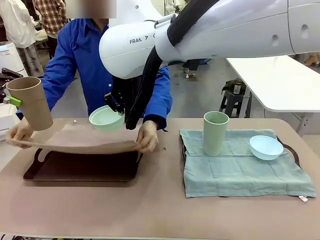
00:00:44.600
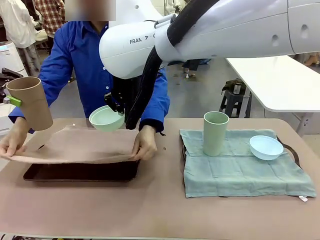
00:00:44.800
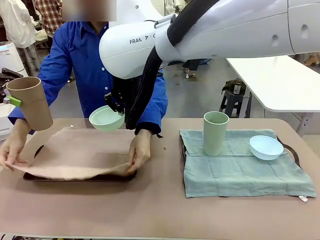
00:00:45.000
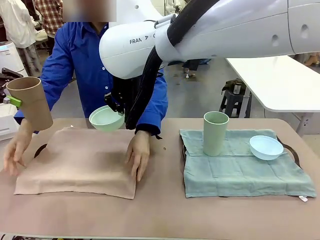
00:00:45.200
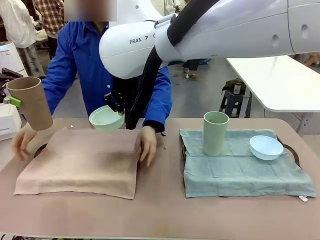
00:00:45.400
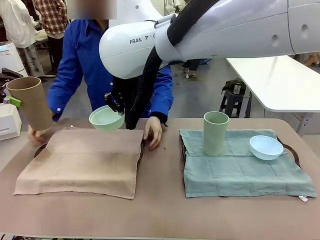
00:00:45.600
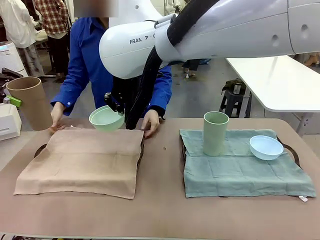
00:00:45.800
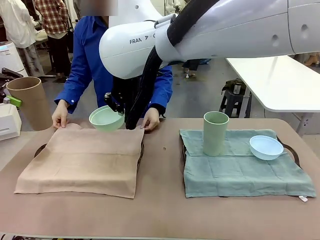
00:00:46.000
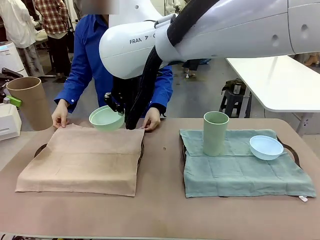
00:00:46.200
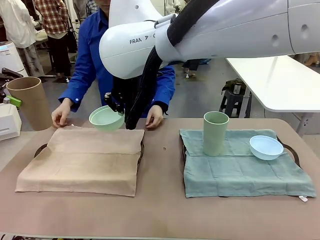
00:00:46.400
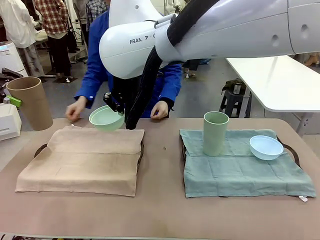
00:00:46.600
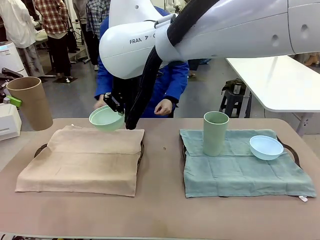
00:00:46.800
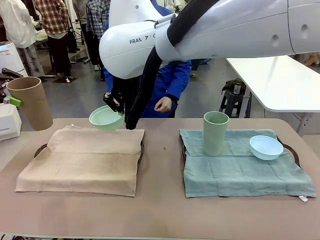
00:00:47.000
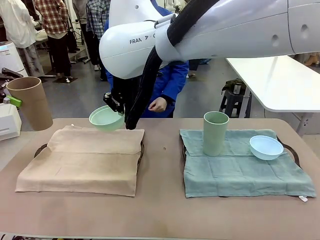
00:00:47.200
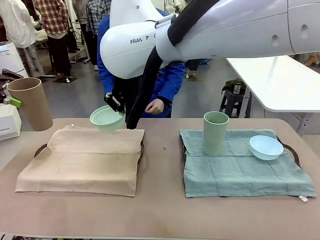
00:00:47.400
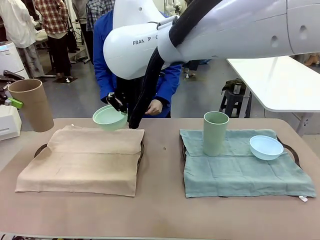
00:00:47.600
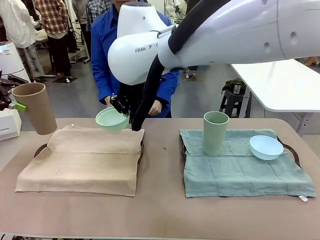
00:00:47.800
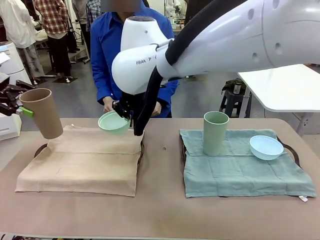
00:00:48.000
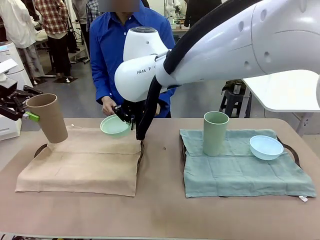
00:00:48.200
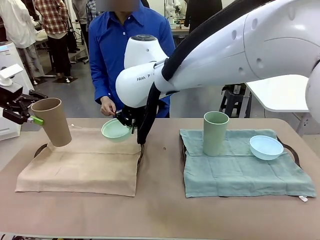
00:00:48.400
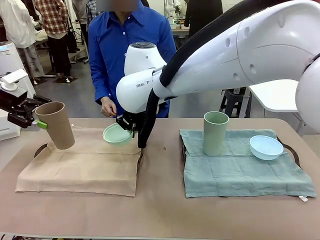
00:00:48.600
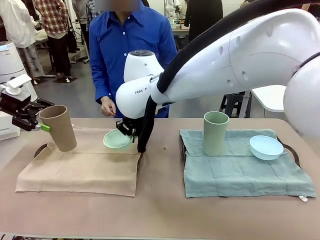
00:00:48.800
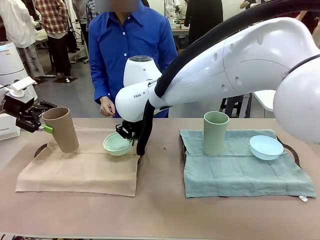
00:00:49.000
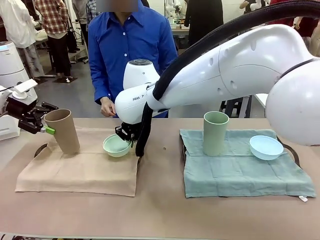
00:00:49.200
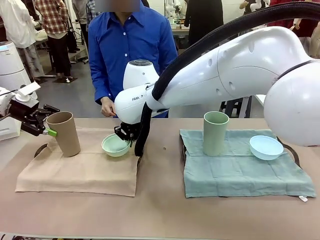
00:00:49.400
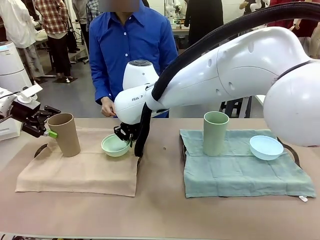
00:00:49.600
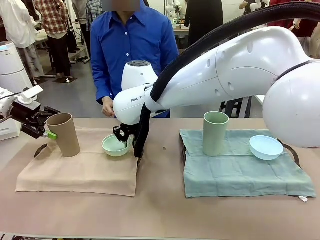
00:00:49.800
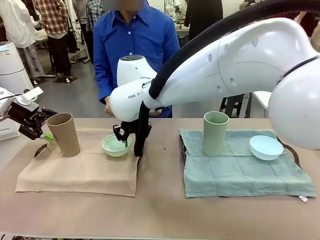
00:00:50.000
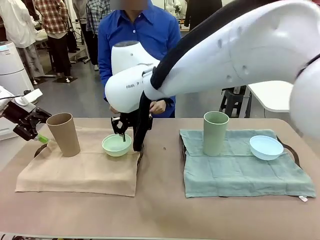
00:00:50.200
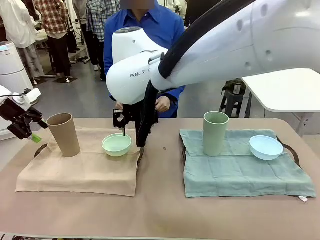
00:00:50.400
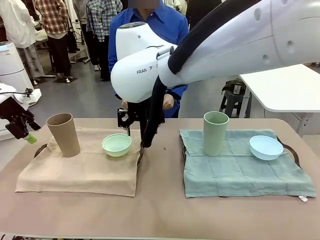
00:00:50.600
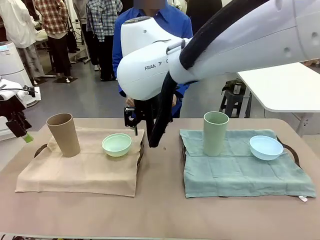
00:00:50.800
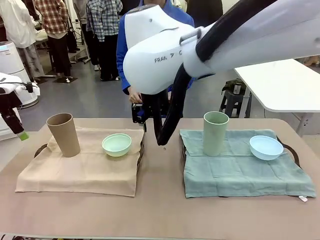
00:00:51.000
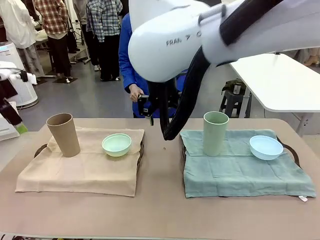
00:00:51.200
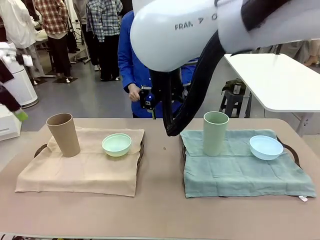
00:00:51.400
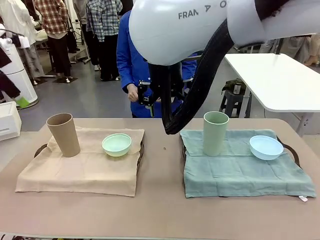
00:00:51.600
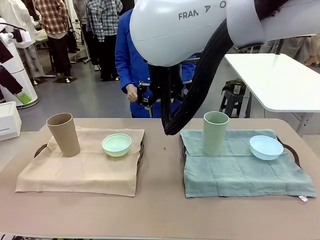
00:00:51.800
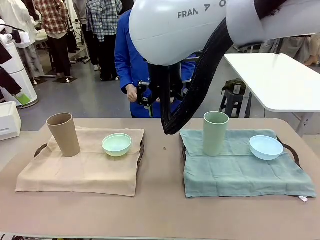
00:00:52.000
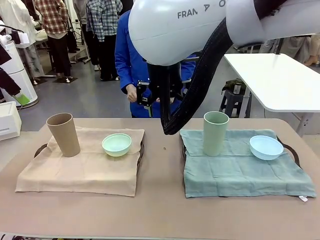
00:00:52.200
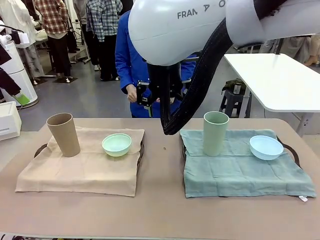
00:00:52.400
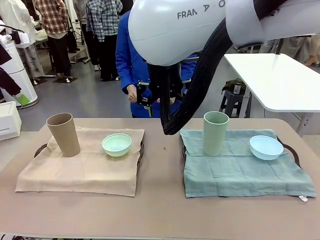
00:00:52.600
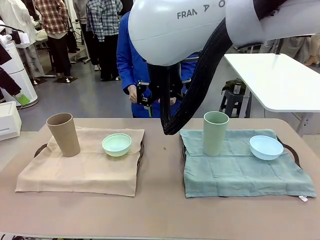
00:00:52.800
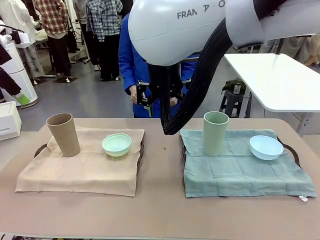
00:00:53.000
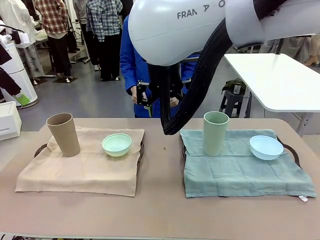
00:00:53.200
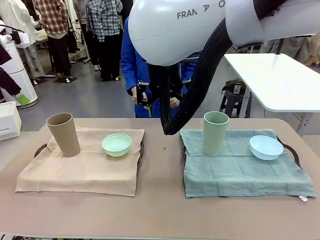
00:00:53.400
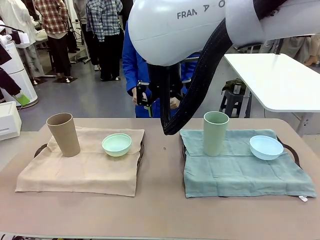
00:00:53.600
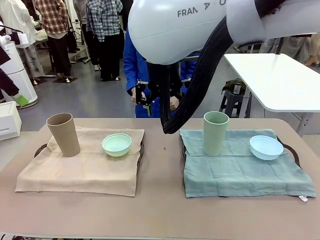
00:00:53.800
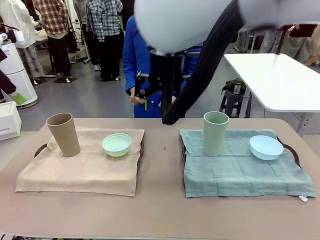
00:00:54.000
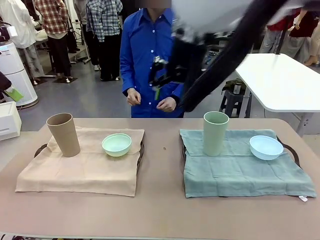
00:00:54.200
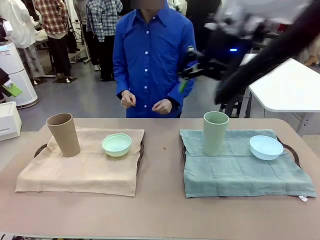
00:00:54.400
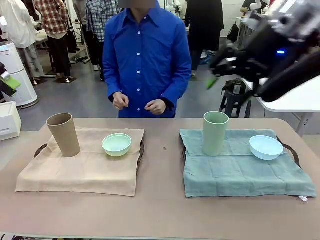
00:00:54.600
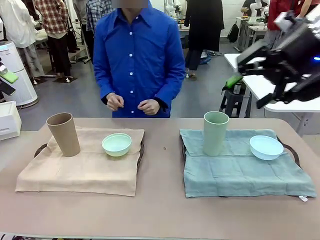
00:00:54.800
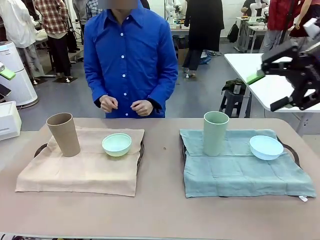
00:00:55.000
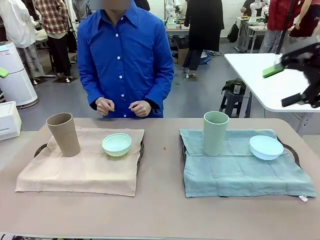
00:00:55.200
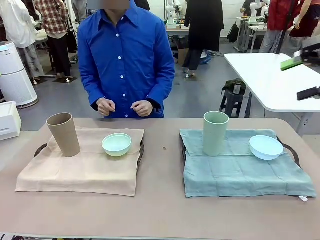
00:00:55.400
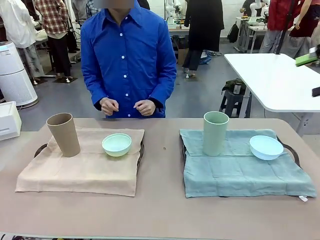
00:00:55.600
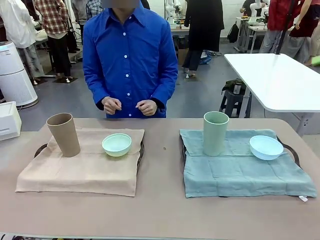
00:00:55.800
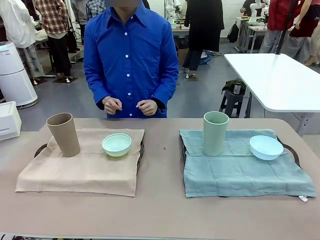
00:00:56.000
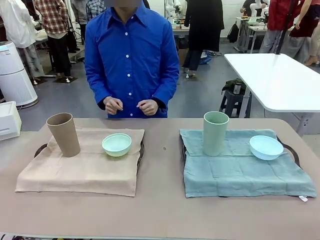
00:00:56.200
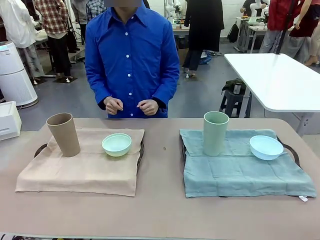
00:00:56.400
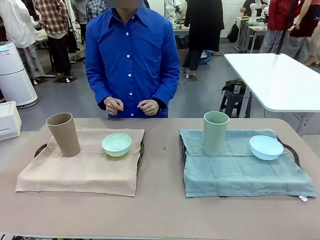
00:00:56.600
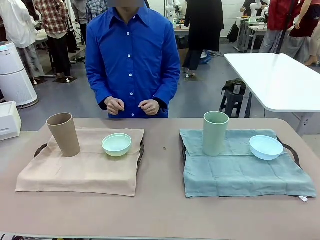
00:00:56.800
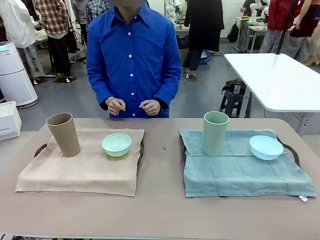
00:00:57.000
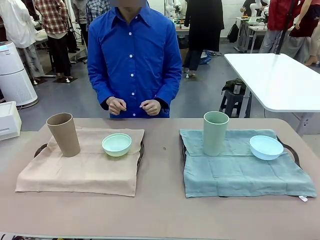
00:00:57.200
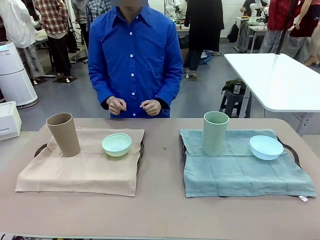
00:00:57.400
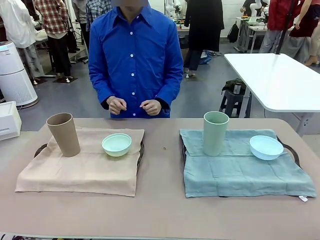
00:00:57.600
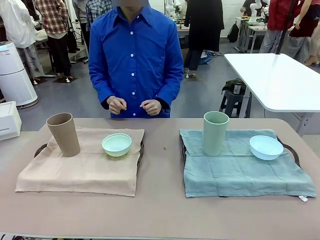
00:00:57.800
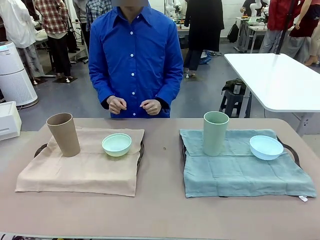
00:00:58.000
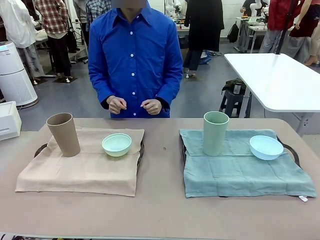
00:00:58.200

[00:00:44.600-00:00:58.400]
Robot: Place the Picnic Bowl and Reusable plastic cup back onto the Handle tray in front of the human's position.
Person: When the robot lifts the bowl and the cup, the human unfolds the napkin and lays the napkin flat on the tray.

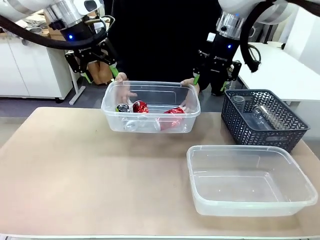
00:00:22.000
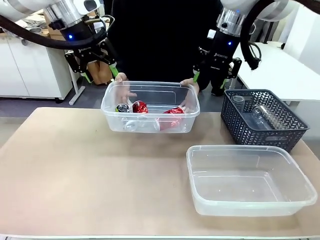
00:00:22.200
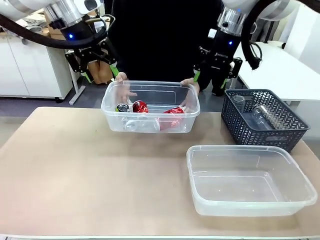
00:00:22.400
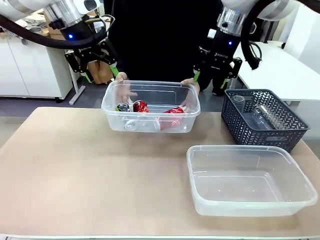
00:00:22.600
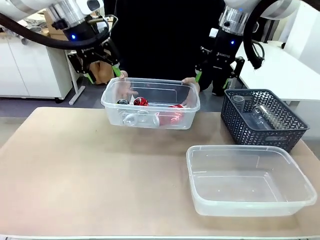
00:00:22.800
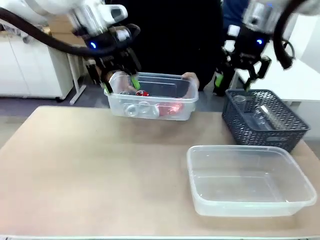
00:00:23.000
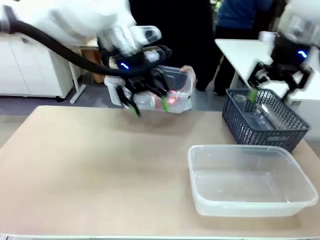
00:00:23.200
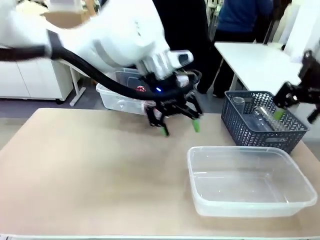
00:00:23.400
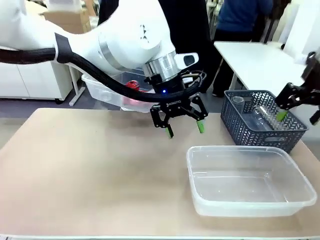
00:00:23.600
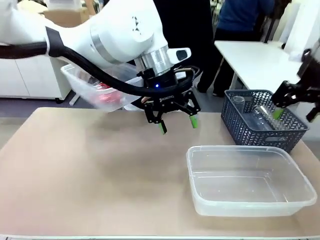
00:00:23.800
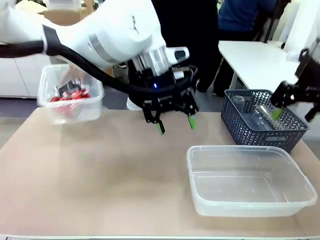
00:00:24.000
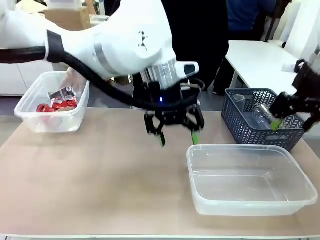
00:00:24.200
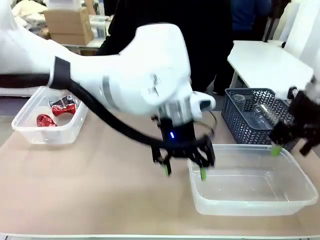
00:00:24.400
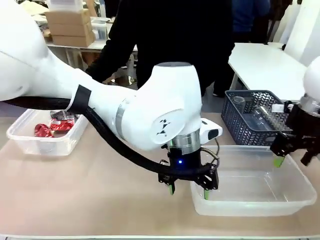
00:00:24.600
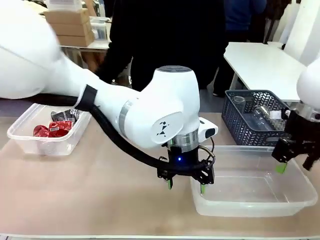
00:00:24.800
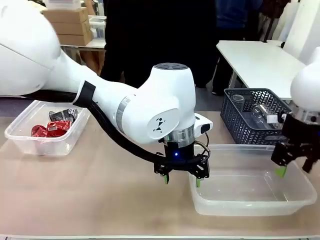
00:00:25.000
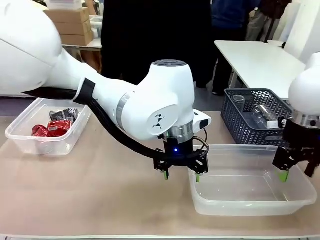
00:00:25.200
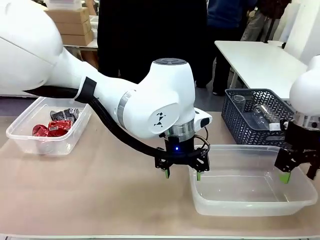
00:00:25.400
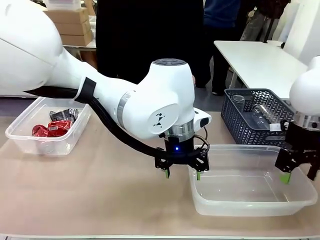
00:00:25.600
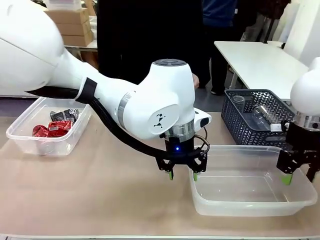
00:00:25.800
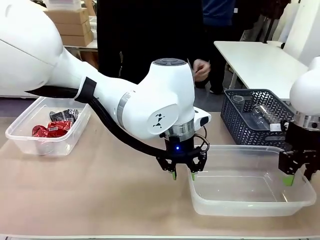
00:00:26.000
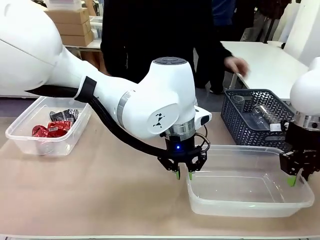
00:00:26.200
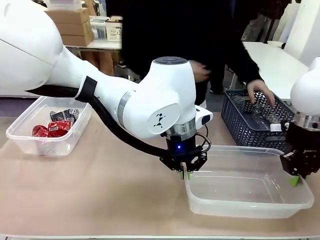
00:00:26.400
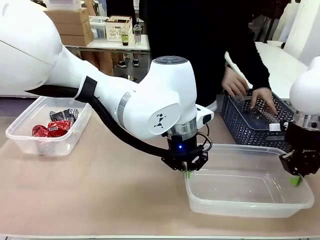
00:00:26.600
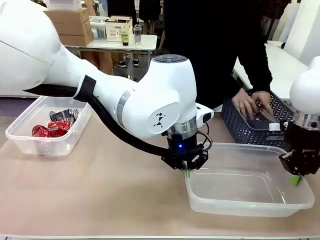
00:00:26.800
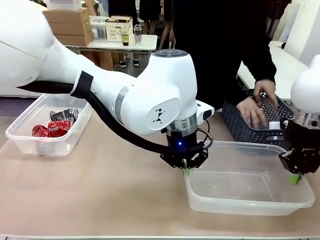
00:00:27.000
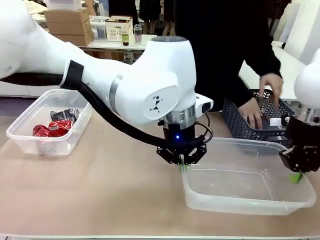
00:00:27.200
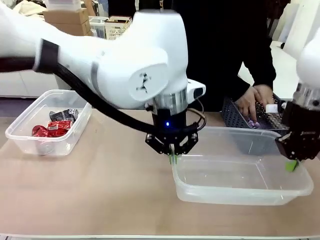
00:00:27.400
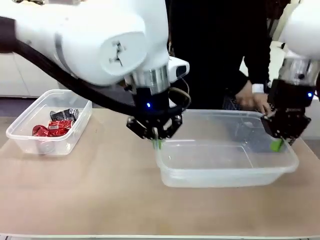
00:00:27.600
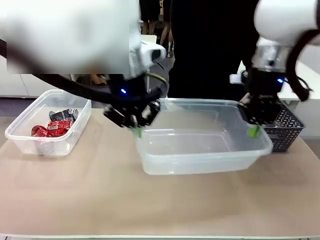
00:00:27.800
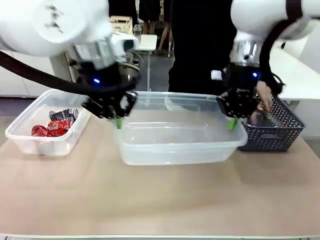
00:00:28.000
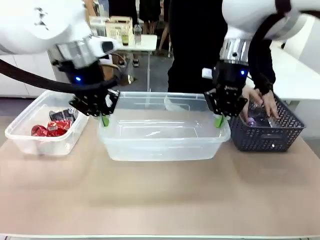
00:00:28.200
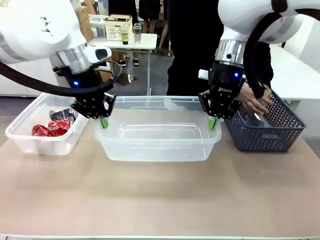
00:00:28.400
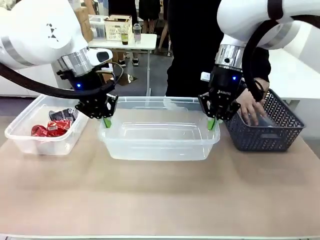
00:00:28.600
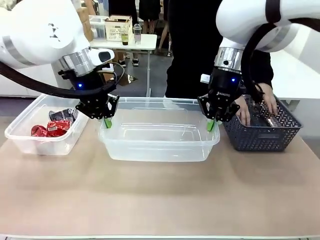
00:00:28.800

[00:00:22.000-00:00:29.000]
Robot: Pick up the Organizing box on the right side of the table and lift it.
Person: Place it at the edge of the bottom right area of the robot table.
